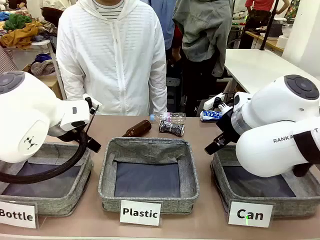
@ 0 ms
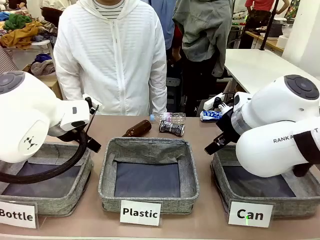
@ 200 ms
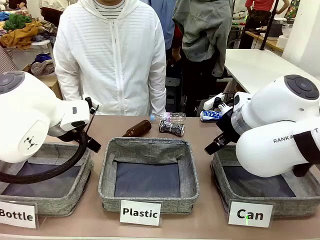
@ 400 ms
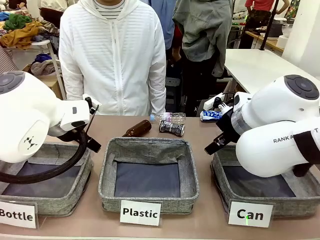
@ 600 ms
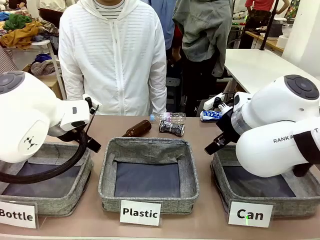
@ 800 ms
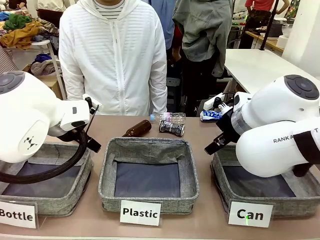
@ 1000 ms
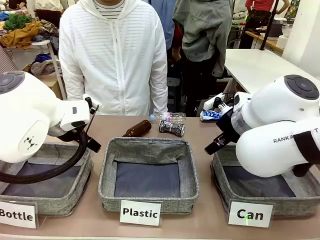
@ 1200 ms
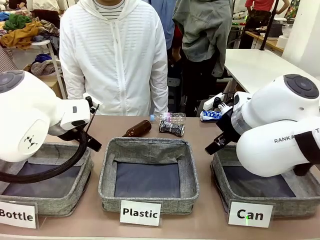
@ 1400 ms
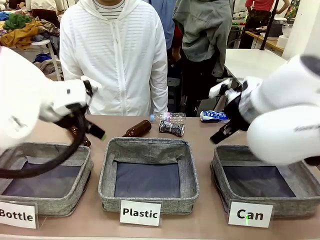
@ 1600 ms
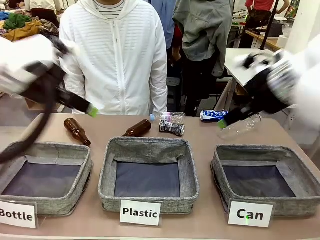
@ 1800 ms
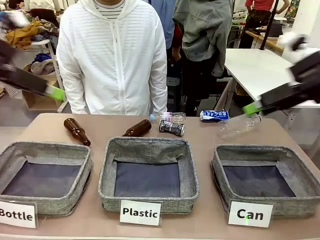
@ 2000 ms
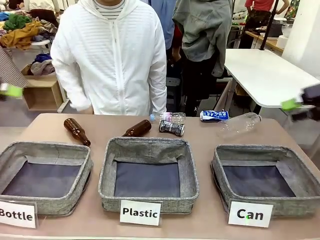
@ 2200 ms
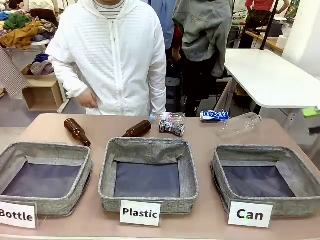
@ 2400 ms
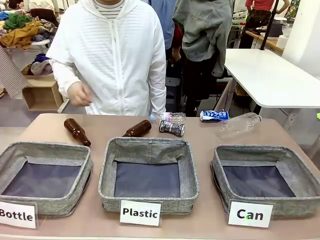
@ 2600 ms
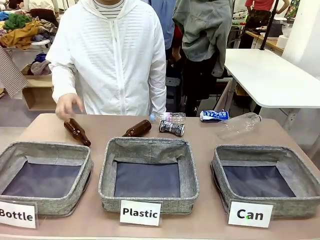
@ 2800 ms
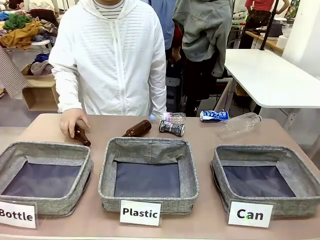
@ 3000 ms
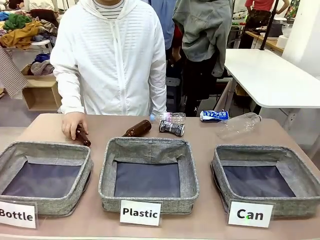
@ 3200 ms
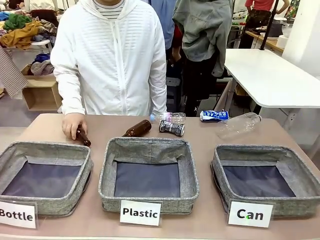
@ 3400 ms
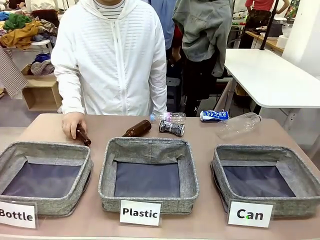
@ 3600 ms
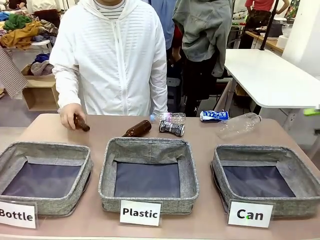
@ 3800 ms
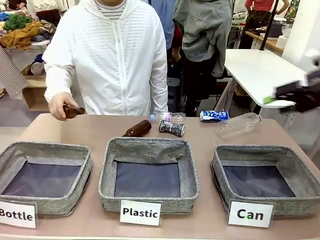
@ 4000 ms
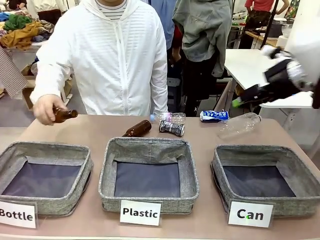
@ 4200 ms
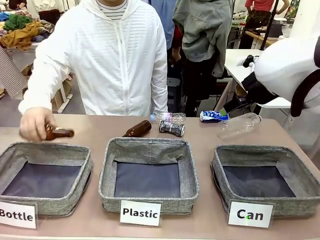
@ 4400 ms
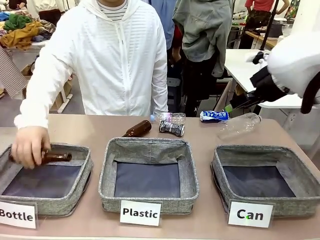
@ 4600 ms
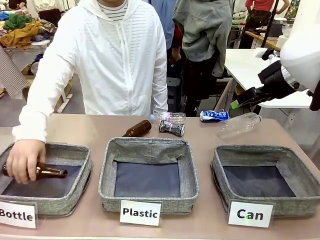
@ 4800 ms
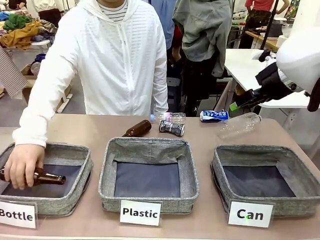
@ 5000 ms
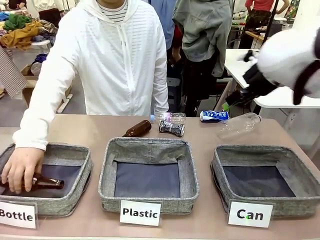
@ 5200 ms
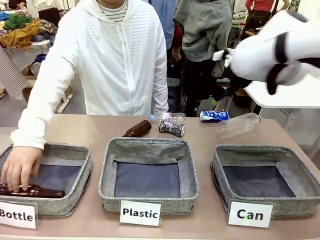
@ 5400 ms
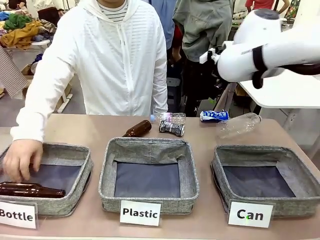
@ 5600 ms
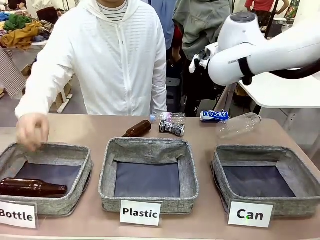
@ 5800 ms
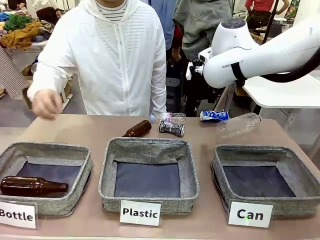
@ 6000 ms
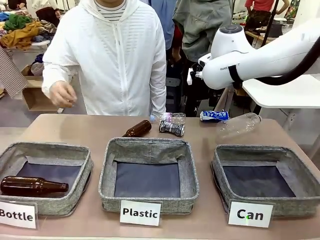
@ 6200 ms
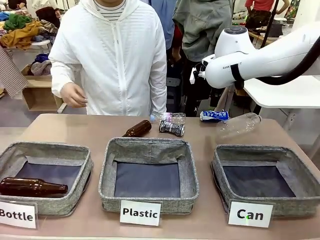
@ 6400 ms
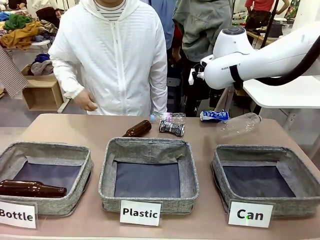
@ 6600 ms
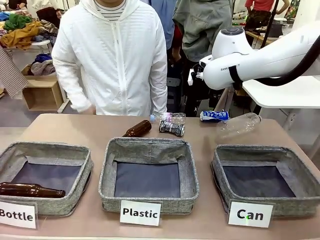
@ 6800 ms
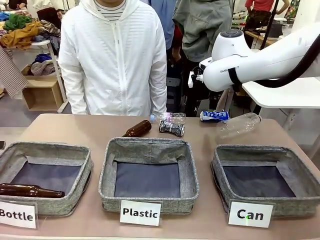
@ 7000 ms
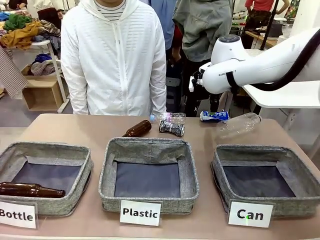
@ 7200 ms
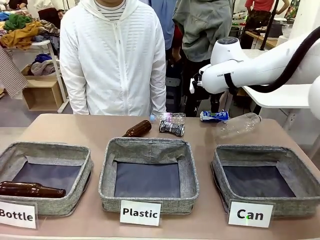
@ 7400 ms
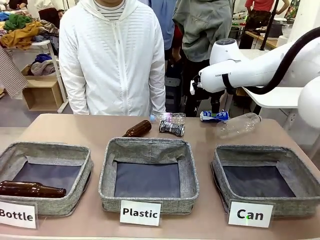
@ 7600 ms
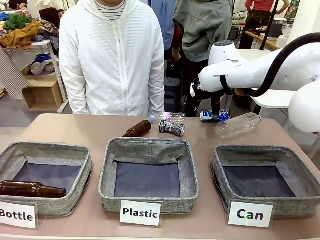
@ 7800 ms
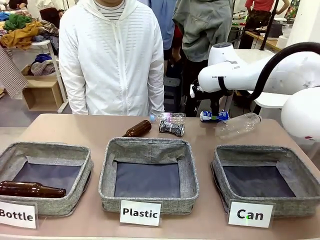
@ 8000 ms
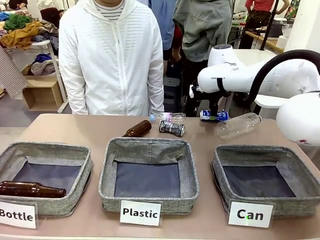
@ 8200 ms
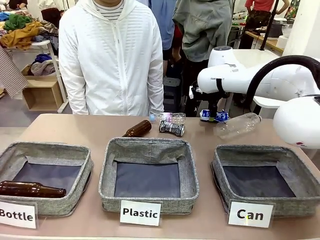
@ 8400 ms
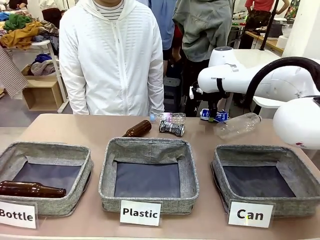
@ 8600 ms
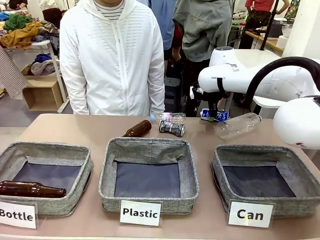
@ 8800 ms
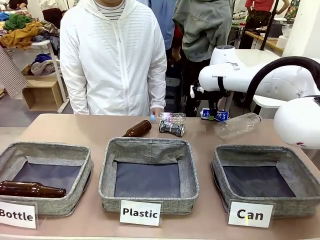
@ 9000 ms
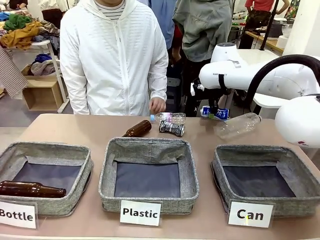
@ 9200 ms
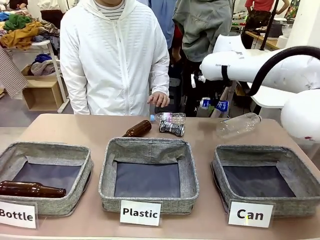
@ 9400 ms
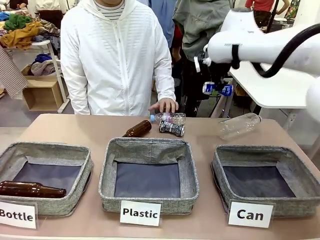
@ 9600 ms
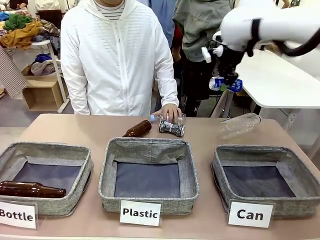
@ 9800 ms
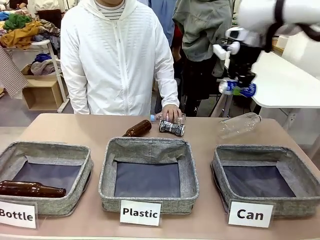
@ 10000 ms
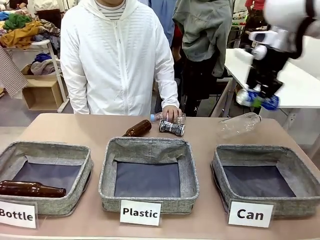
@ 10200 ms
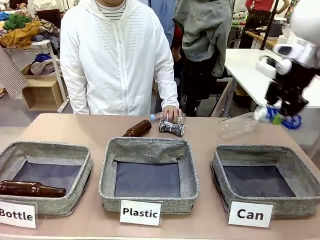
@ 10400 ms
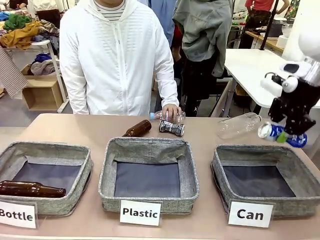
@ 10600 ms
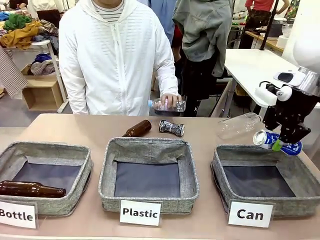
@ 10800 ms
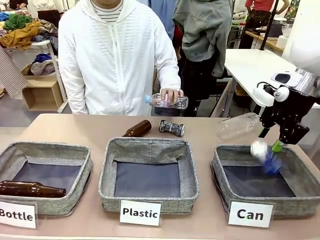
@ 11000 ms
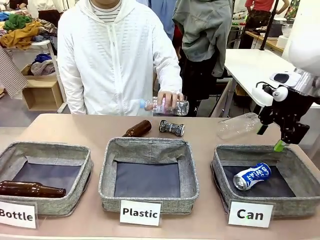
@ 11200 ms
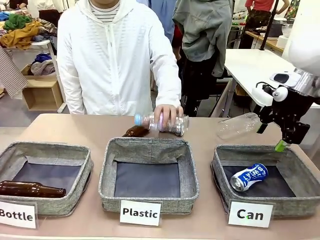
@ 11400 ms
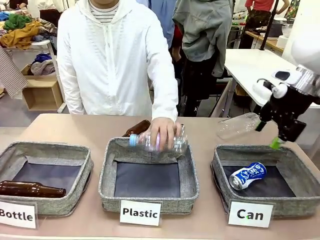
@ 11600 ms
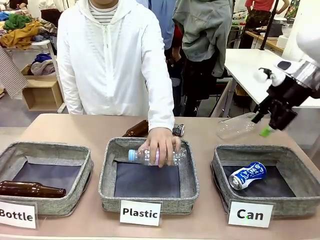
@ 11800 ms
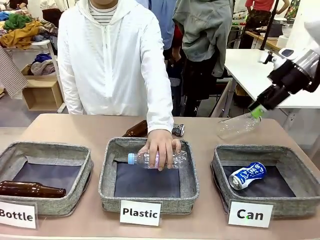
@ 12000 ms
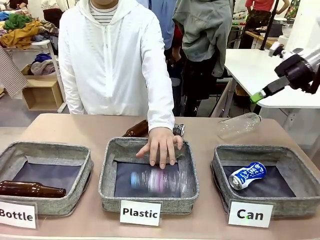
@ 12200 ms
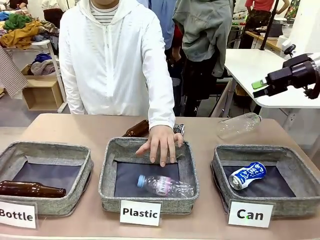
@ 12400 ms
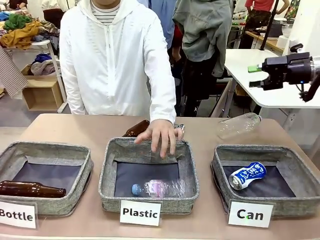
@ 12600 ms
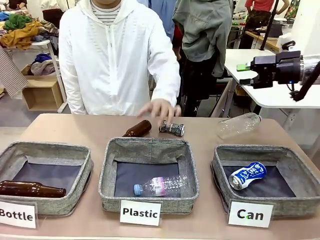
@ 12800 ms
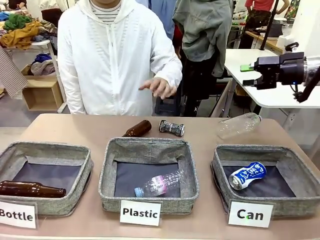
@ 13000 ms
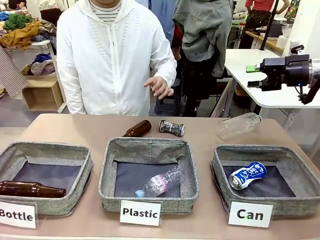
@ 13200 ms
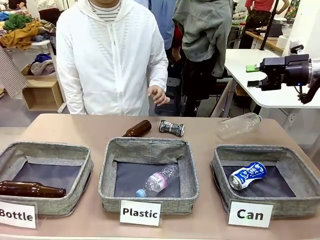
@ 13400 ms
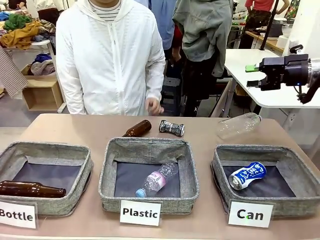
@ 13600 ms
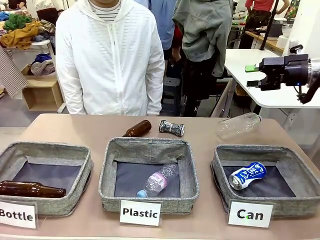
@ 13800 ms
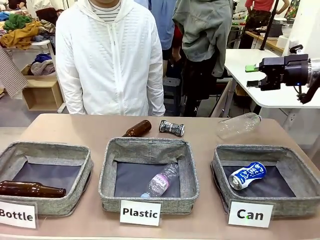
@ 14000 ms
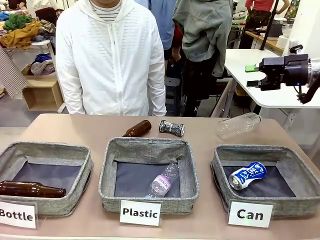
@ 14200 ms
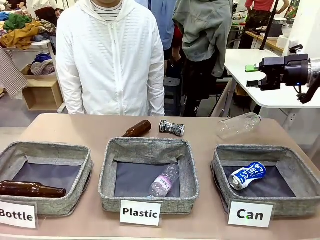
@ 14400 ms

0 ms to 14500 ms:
Task: Sort the can waste into the basket.
Robot: Pick up the can waste from the table and place it in the right Fabric basket.
